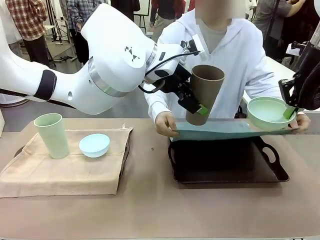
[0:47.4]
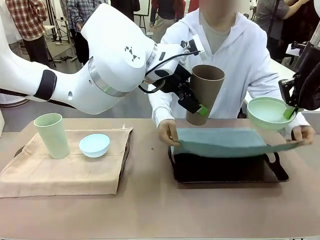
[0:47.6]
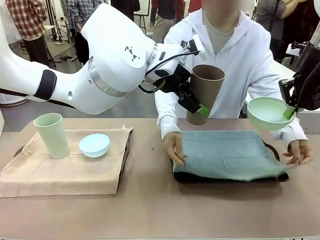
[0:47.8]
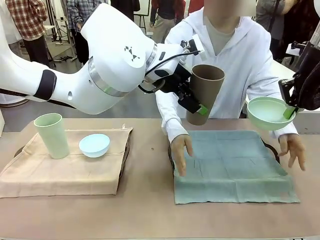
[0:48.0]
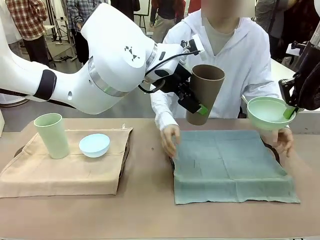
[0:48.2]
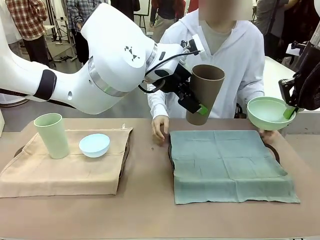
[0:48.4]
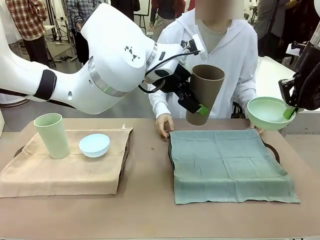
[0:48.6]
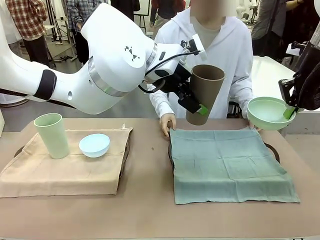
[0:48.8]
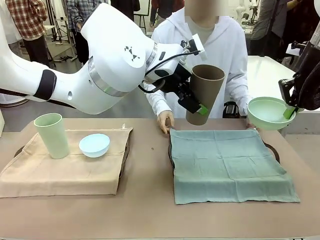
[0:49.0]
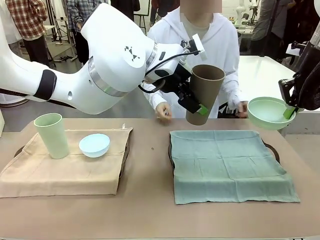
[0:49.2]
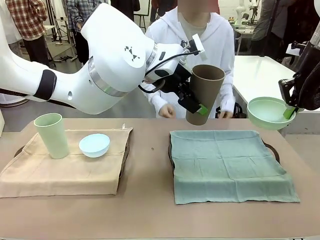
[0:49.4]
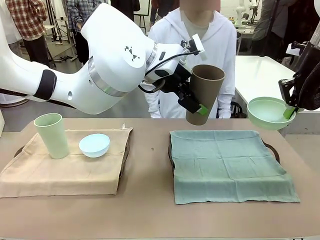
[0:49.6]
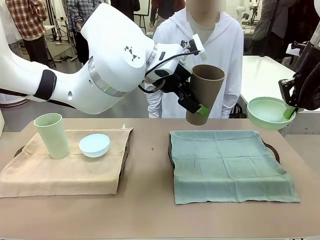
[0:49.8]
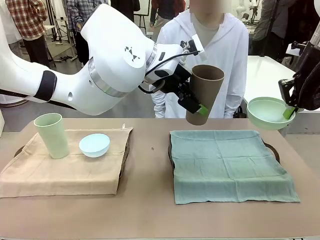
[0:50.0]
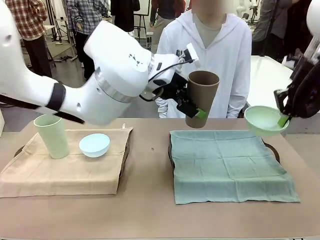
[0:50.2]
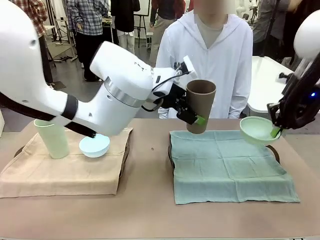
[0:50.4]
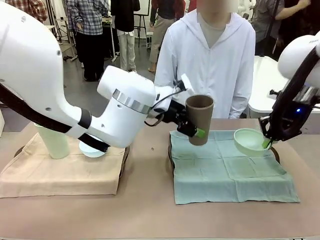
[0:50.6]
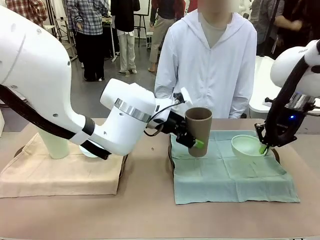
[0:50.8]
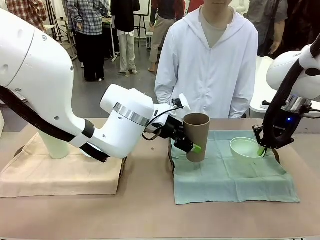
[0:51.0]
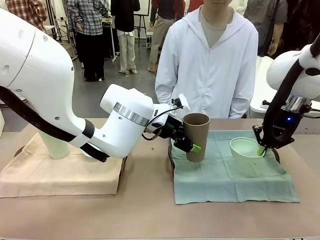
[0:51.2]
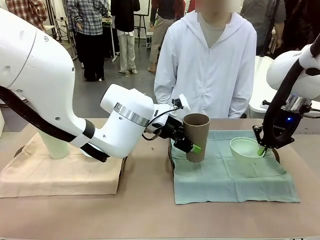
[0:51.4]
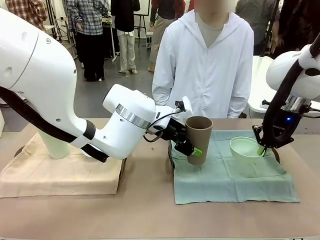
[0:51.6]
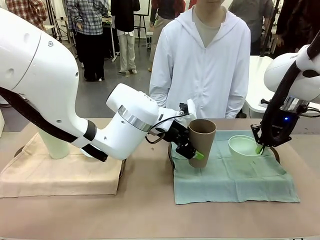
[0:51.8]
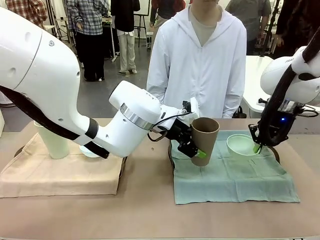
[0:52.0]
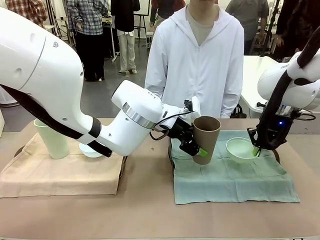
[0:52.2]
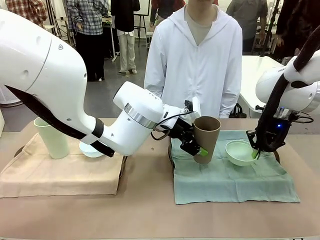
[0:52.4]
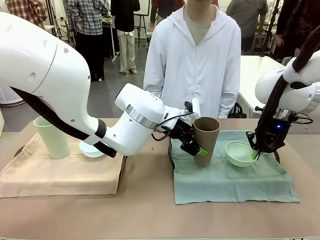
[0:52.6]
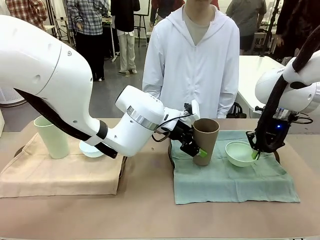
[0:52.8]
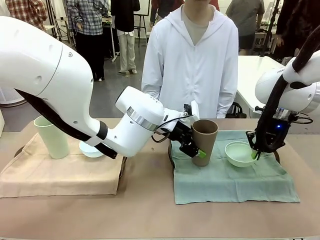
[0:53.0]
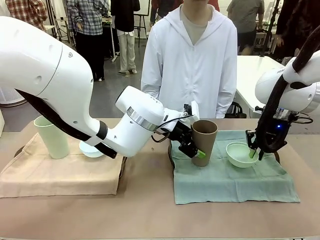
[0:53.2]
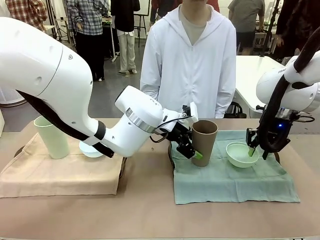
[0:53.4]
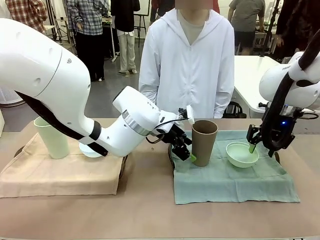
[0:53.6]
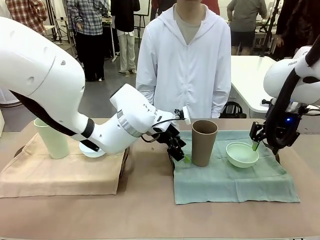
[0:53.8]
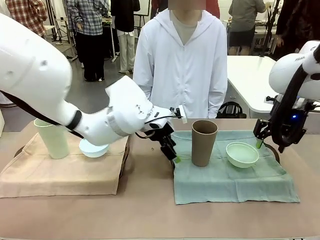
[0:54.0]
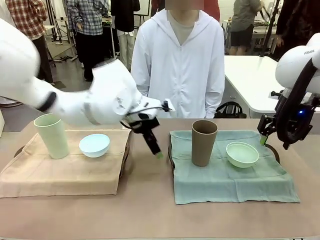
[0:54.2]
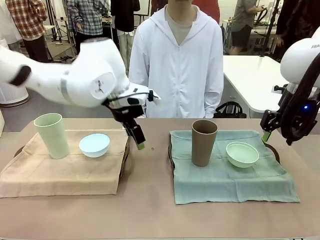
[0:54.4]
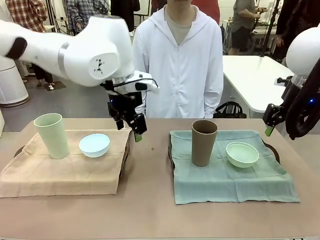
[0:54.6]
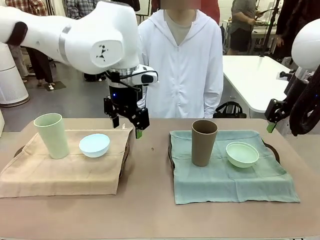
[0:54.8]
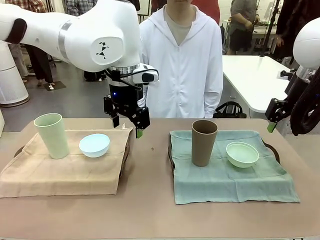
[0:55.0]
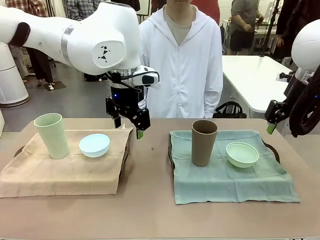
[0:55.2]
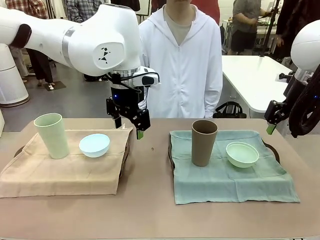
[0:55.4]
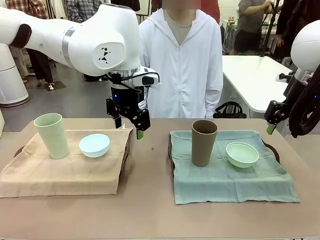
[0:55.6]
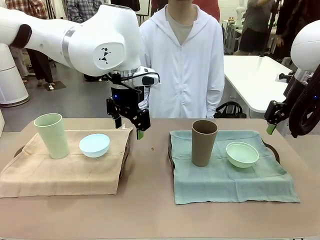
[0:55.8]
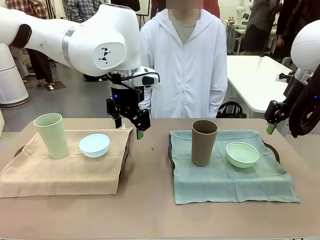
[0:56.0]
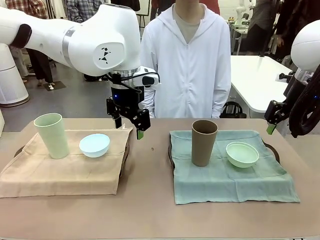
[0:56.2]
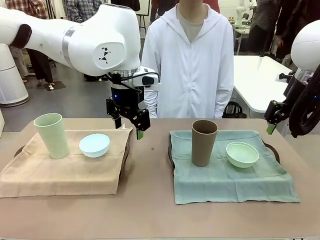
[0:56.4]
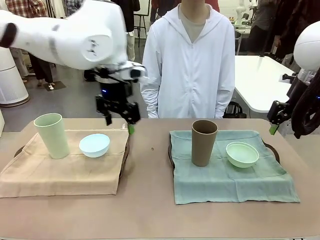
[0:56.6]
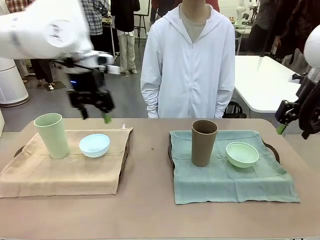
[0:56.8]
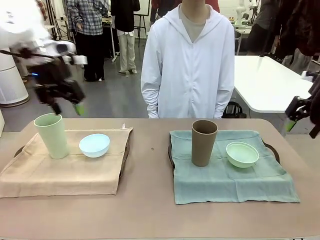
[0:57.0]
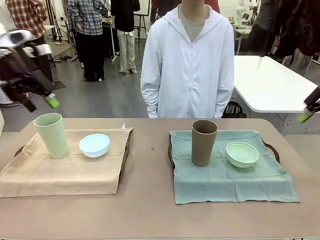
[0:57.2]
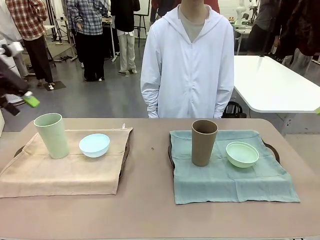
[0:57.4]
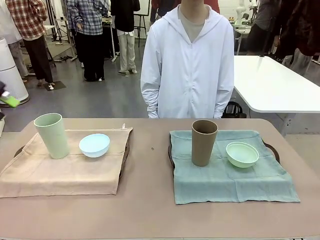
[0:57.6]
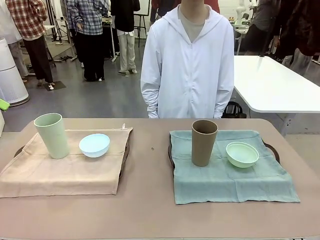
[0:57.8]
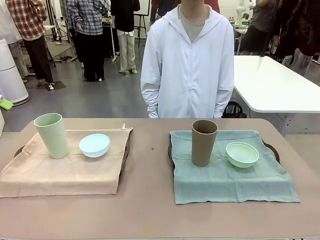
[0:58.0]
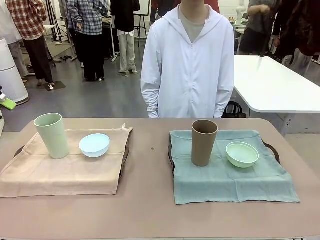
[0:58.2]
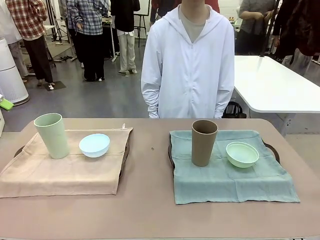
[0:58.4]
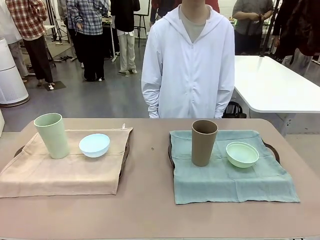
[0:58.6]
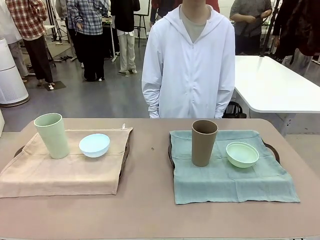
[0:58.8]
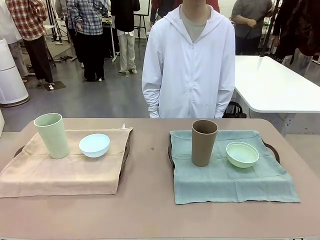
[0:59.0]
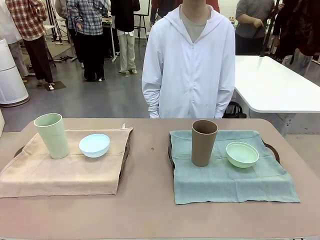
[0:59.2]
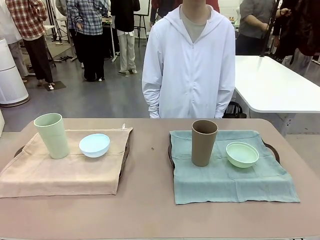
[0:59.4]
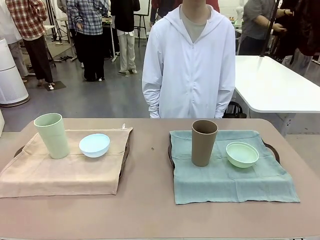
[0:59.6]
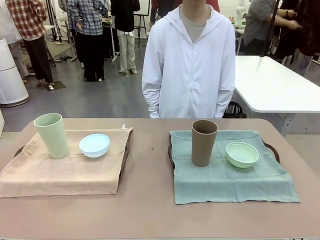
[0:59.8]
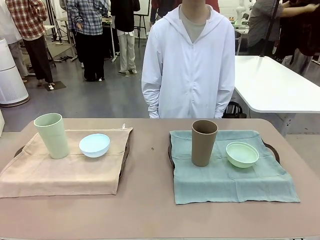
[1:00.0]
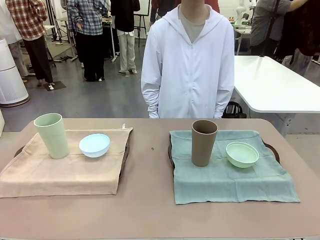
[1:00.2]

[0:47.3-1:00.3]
Robot: Place the Picnic Bowl and Reusable plastic cup back onto the Handle tray in front of the human's position.
Person: When the robot lifts the bowl and the cup, the human unfolds the napkin and lays the napkin flat on the tray.

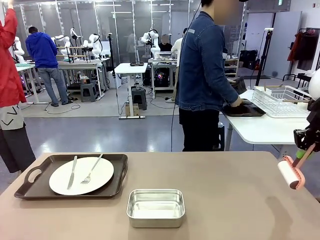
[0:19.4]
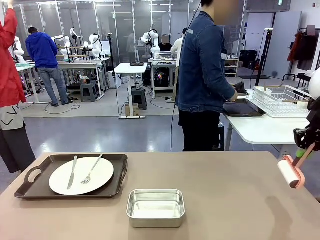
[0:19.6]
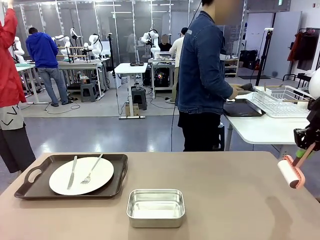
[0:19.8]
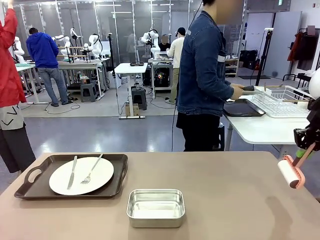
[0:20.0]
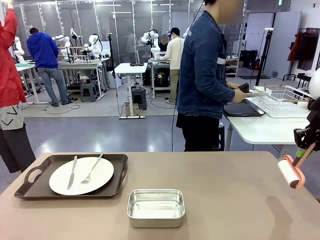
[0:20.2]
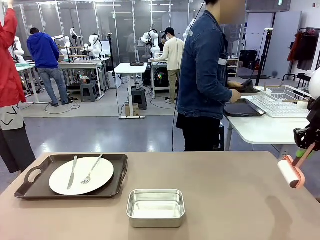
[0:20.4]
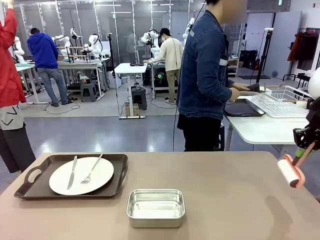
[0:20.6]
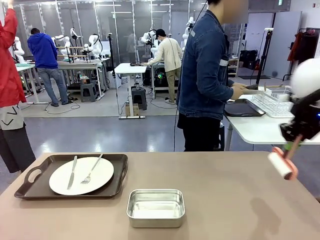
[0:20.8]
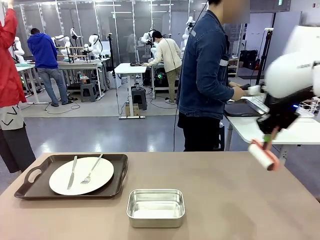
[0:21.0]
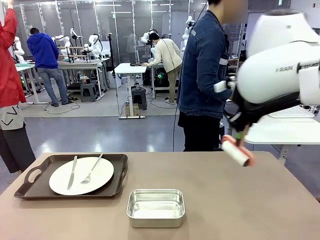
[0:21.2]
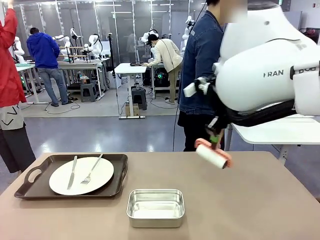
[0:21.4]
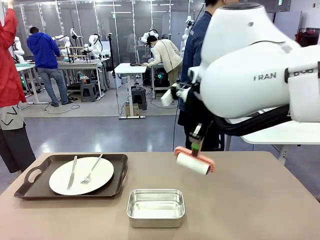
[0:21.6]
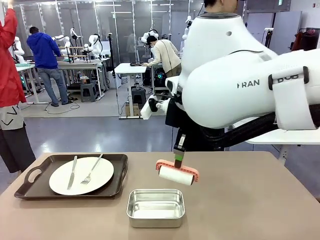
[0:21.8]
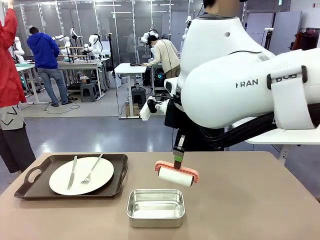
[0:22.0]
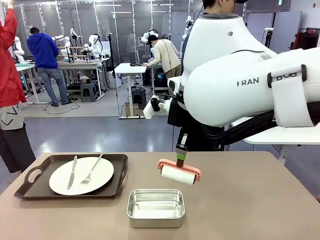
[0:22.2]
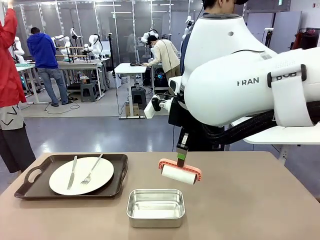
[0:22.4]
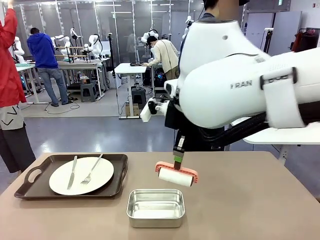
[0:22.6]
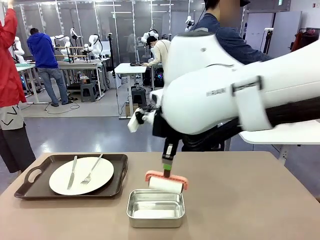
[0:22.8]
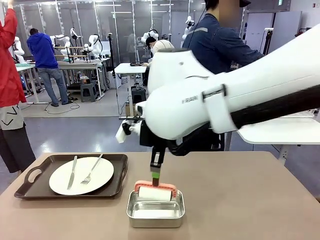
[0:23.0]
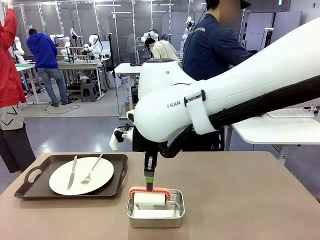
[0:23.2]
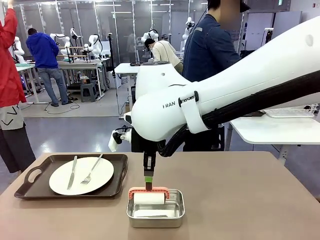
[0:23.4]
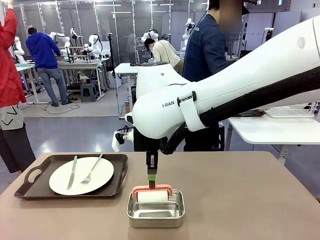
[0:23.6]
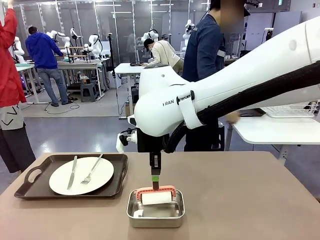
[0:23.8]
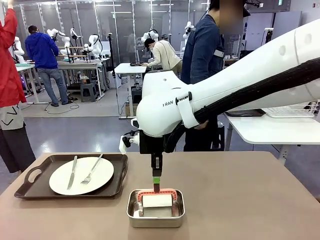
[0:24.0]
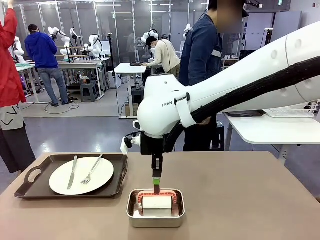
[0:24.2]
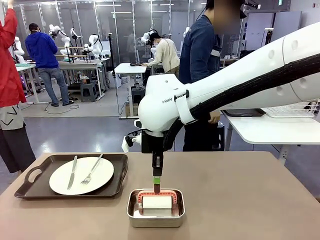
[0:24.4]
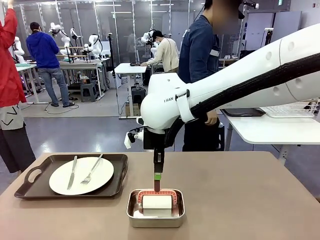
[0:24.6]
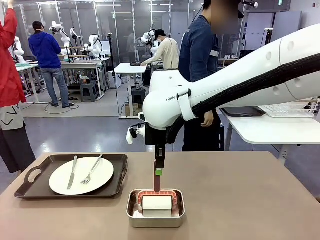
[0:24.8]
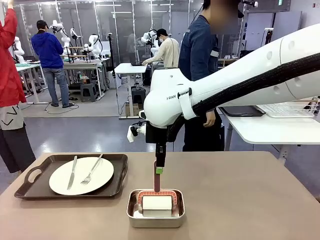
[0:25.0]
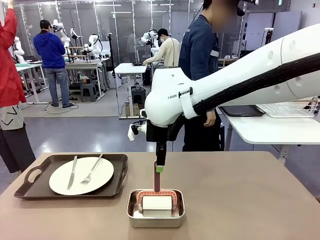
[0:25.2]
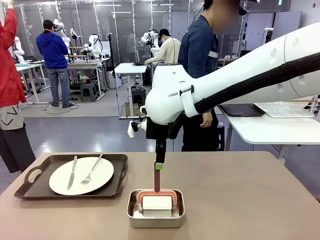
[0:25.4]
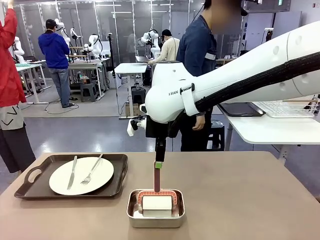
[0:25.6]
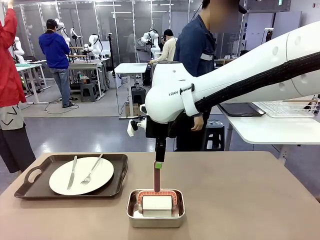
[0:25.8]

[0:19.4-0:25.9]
Robot: Place the Lint Roller back on top of the Airtight Container.
